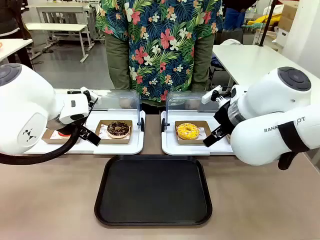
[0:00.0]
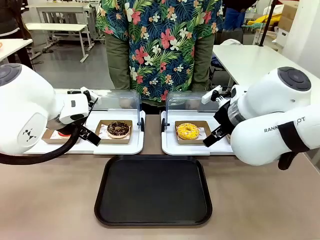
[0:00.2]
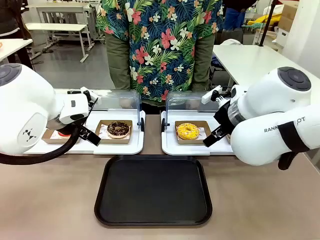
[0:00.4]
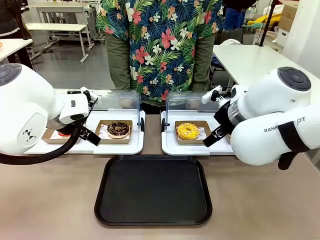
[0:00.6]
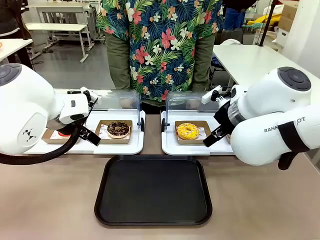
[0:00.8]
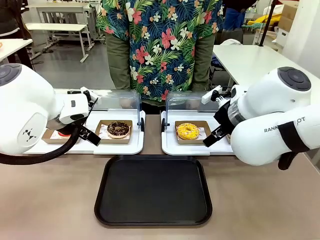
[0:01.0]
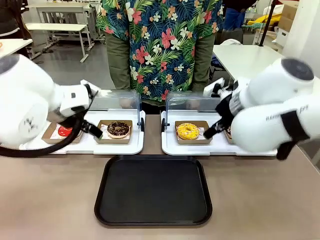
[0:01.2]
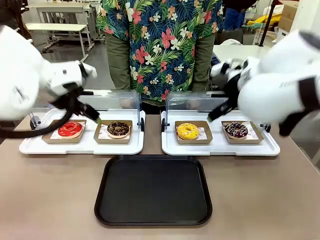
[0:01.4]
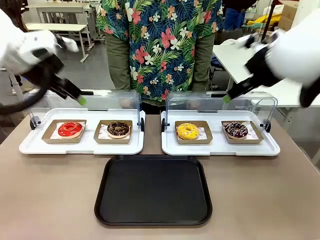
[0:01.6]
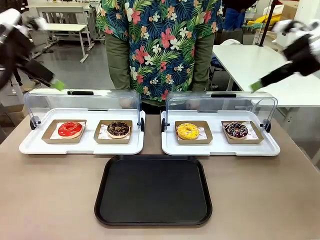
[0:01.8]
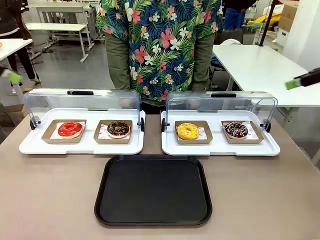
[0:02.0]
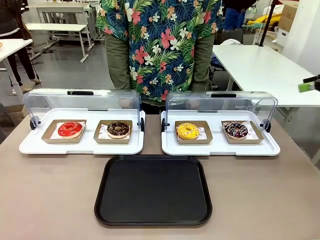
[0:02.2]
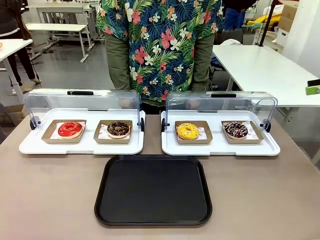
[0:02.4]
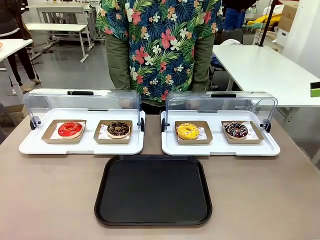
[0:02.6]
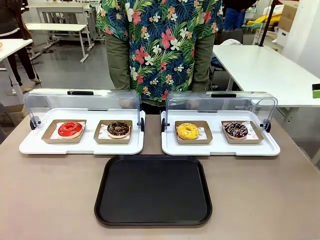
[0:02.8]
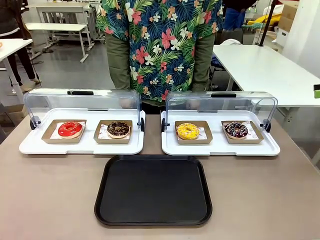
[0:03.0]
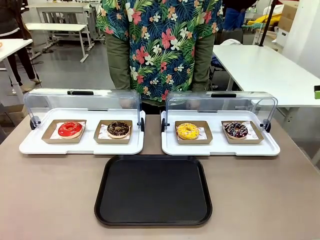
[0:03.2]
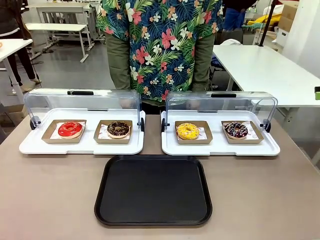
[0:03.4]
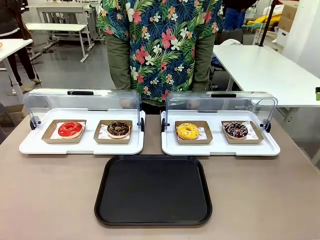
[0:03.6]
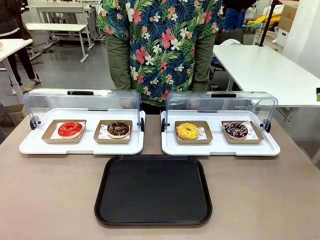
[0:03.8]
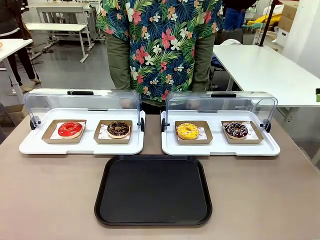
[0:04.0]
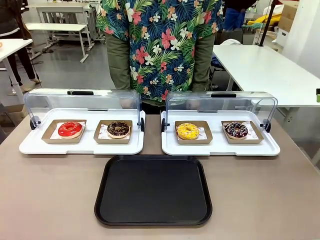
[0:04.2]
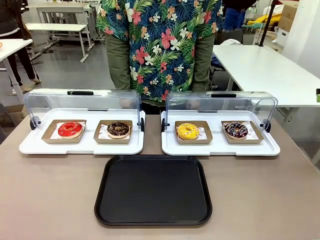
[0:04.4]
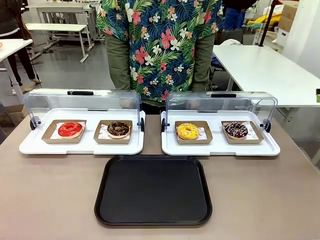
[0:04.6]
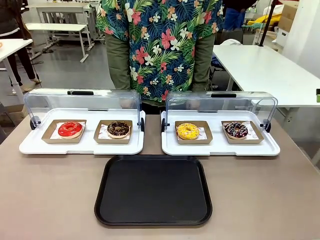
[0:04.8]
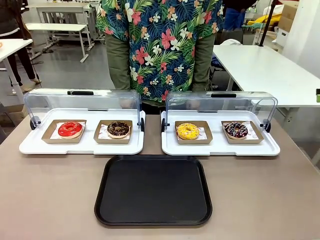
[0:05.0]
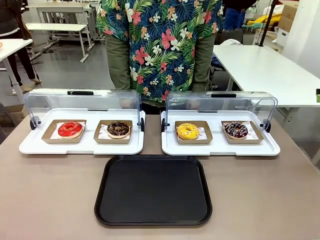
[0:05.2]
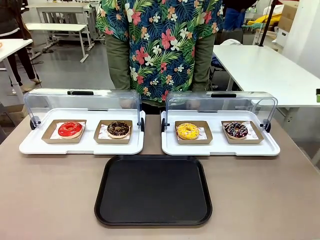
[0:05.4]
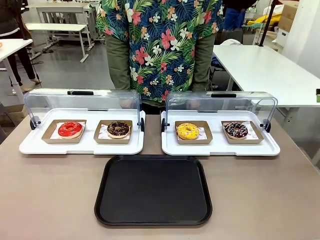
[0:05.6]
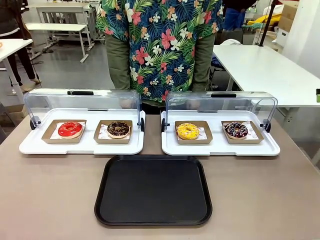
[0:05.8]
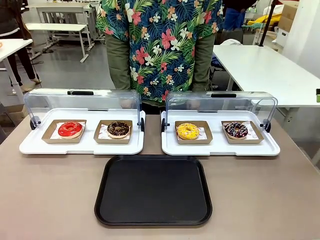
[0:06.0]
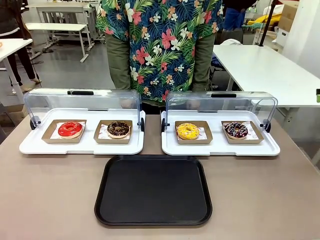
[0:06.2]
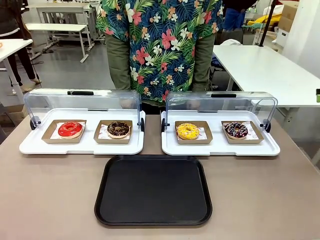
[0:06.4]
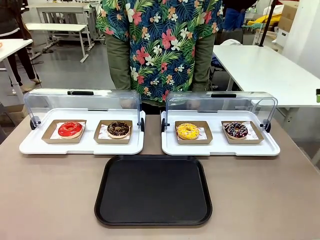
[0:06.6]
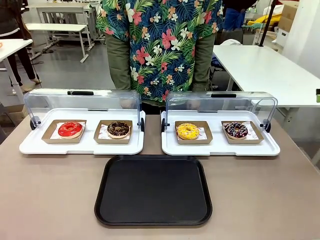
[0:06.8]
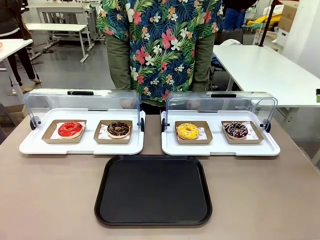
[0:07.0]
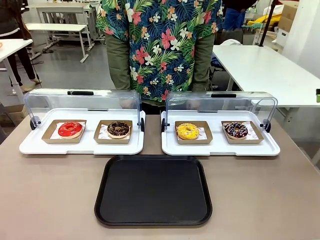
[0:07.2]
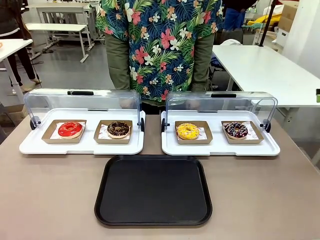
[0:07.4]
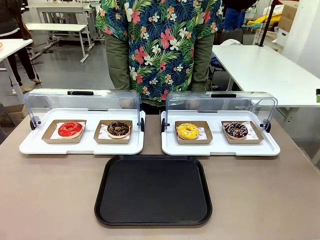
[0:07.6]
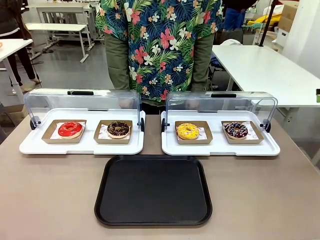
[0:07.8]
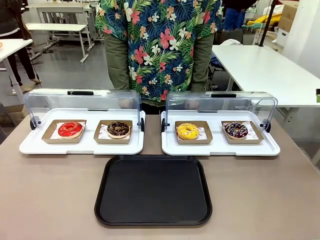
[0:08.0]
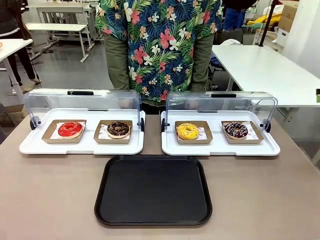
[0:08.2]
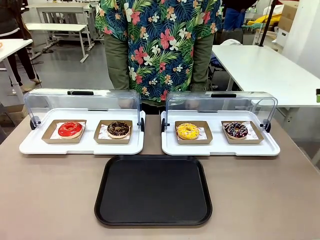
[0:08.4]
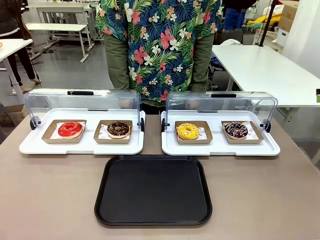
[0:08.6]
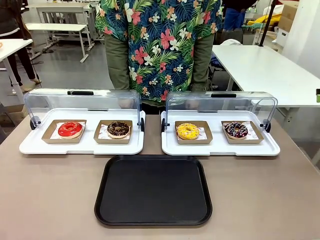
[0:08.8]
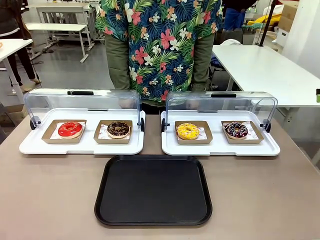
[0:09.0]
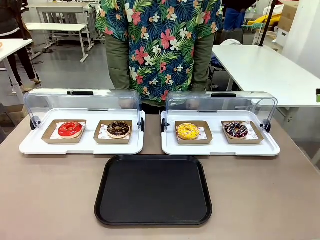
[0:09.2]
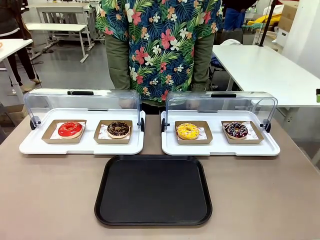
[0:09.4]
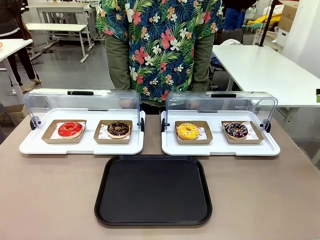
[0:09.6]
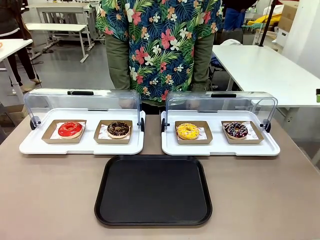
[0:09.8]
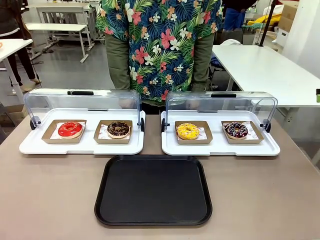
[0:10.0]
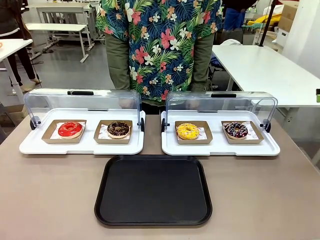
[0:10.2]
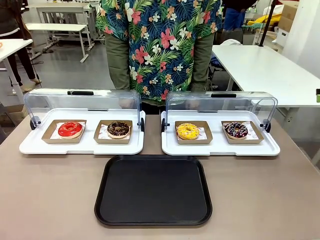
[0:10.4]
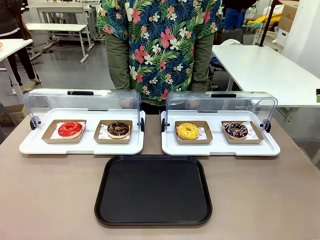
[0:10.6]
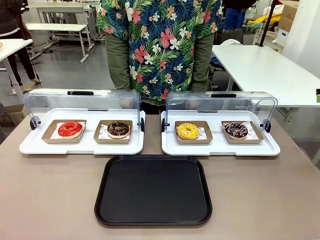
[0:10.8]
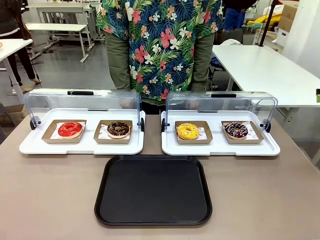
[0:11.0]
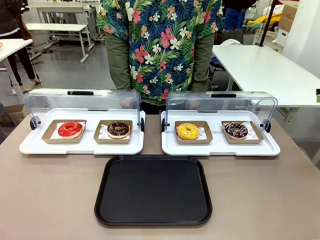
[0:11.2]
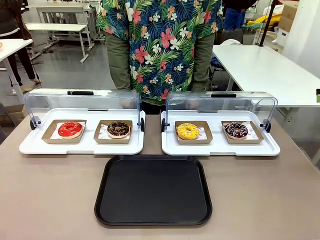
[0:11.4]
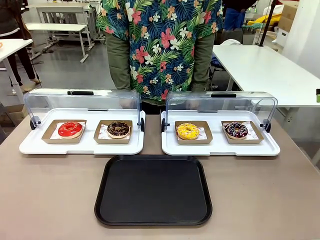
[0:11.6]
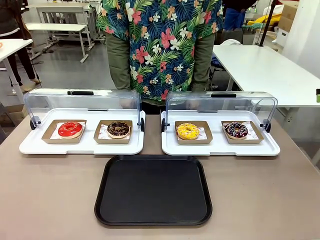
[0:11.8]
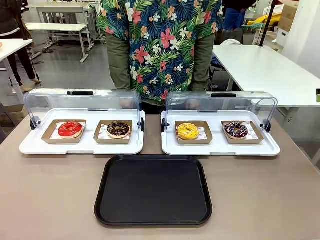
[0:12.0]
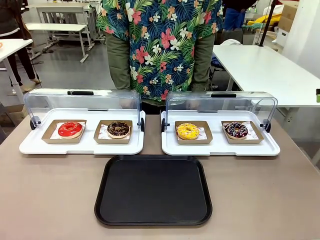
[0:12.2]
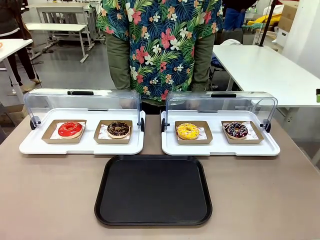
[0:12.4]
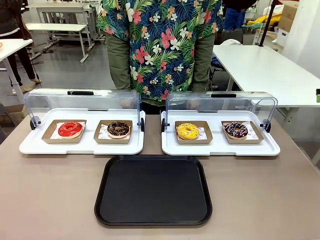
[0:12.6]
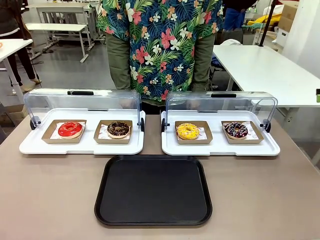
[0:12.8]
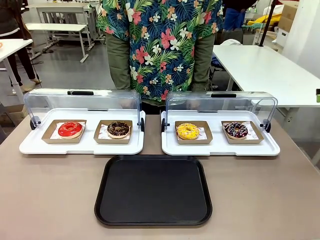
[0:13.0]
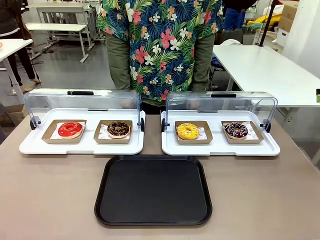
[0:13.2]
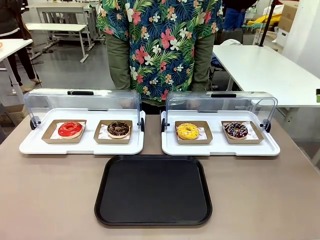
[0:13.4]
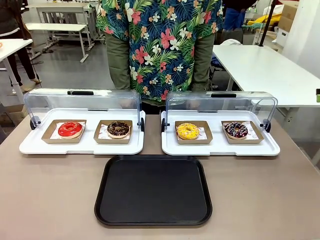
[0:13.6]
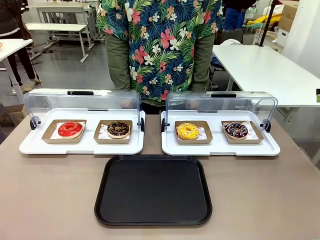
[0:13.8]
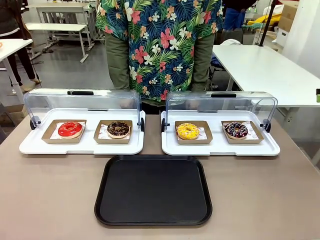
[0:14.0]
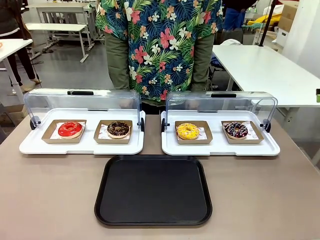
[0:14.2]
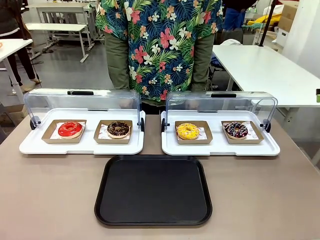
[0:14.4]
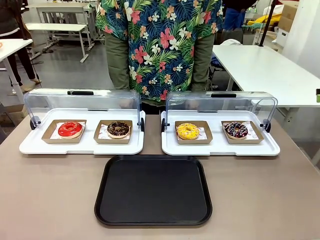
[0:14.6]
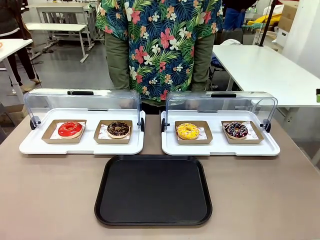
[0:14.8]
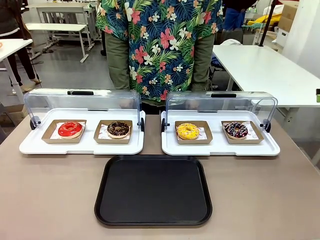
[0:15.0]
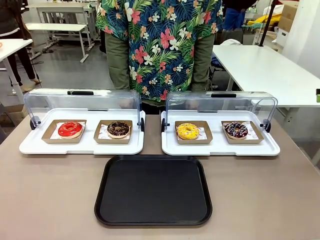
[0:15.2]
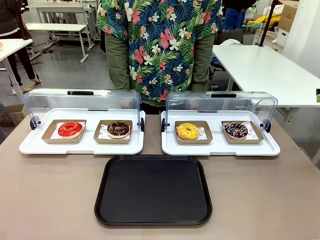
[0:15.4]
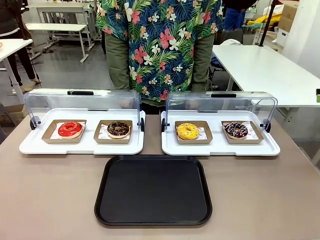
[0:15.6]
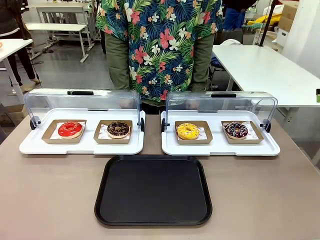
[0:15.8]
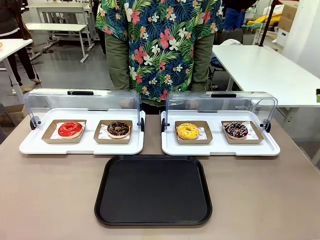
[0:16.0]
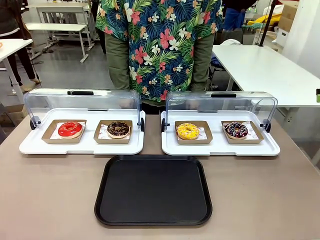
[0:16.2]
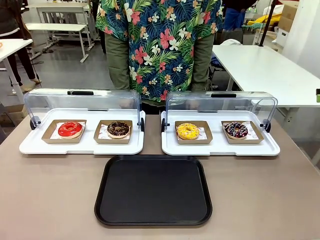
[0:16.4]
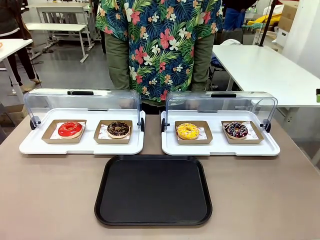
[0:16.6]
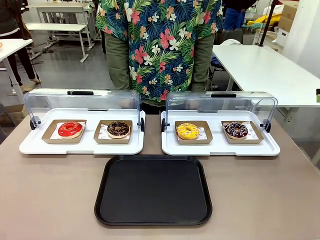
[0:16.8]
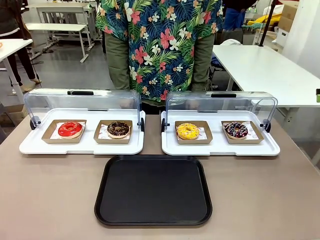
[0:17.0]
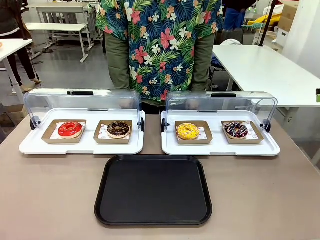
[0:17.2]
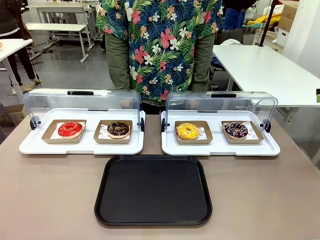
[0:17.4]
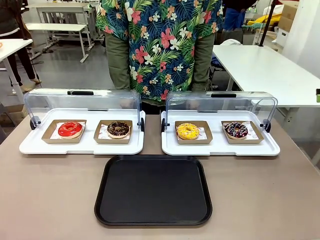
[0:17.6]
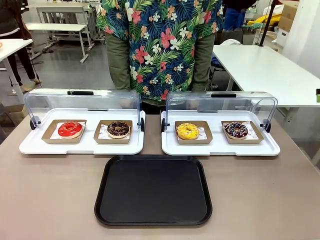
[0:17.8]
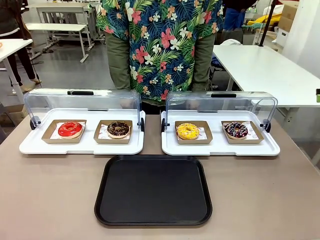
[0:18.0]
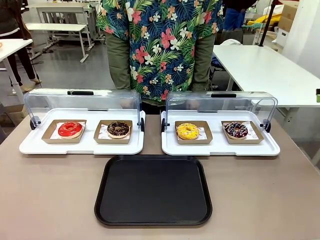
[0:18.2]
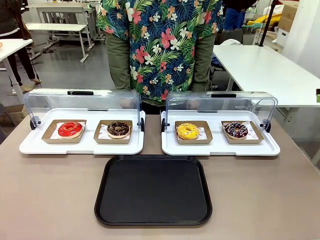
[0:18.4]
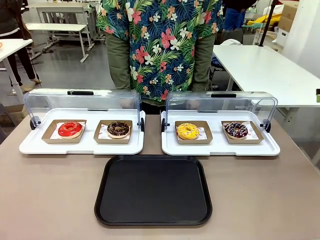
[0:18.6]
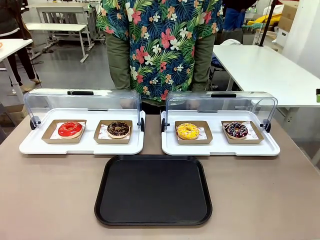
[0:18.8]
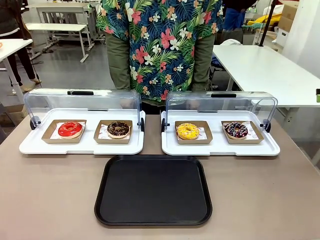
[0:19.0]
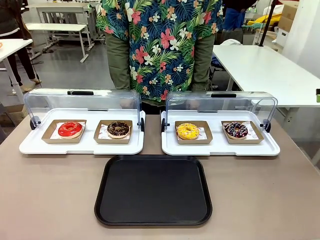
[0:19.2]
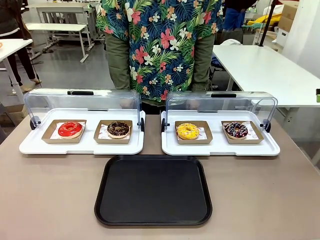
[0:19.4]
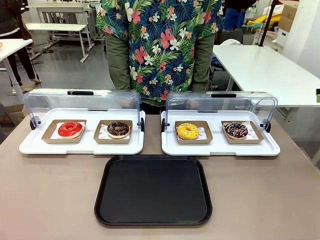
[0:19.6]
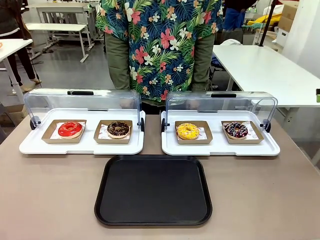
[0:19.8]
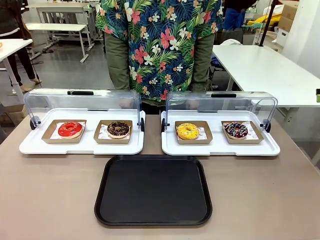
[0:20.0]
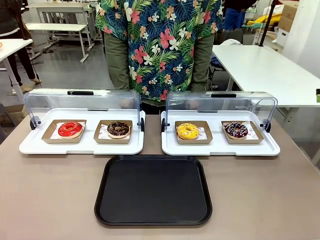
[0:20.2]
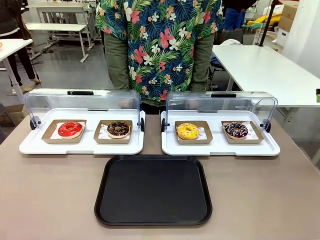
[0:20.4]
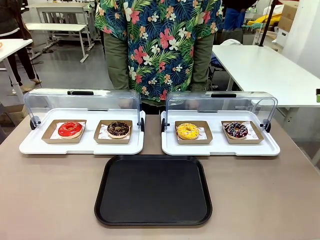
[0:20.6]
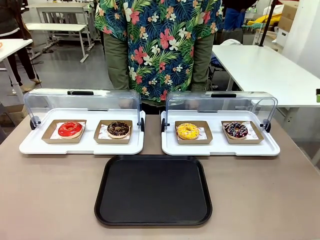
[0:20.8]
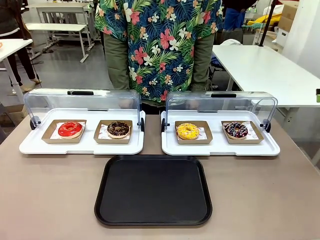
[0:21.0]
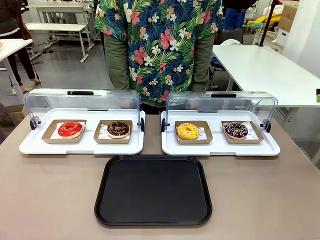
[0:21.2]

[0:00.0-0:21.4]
Task: Move the second donut from the left to the tray.
Robot: Pick up the Paper togo box containing the Donut indicated by the person and place it on the Handle tray.
